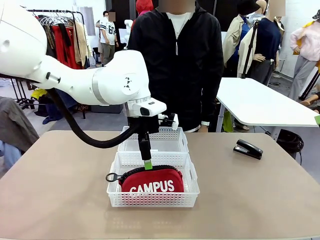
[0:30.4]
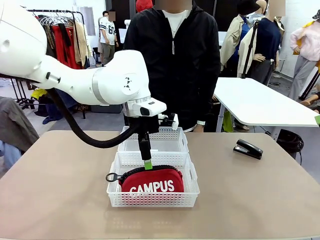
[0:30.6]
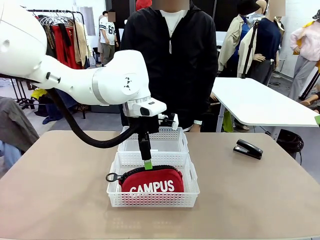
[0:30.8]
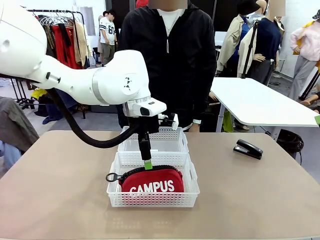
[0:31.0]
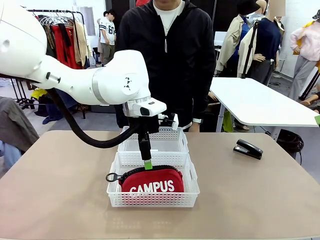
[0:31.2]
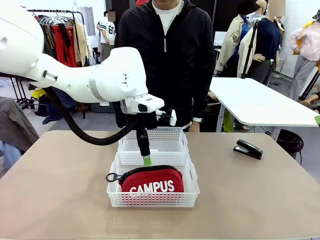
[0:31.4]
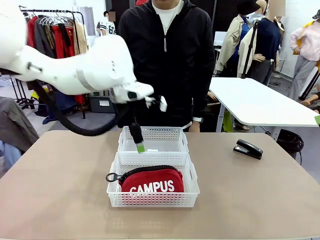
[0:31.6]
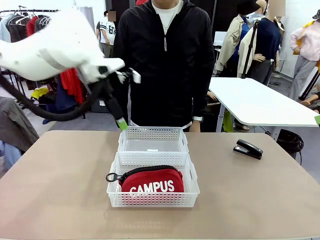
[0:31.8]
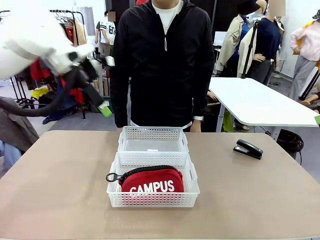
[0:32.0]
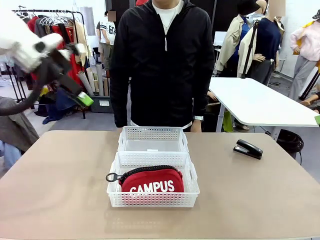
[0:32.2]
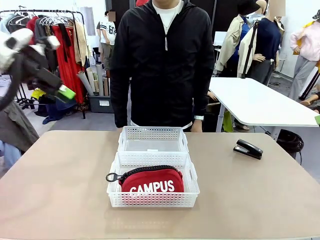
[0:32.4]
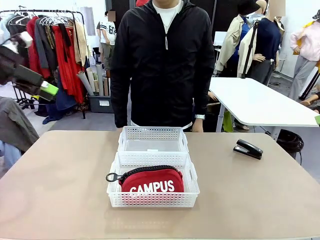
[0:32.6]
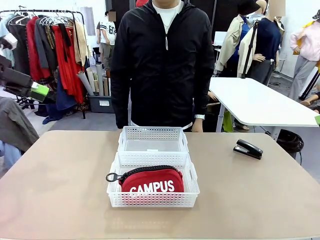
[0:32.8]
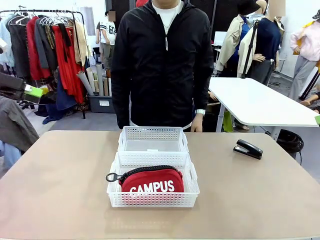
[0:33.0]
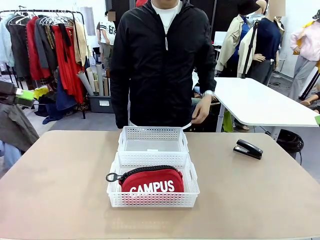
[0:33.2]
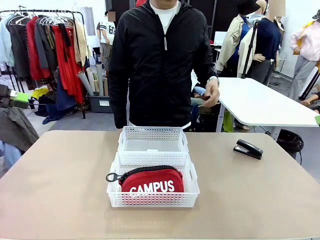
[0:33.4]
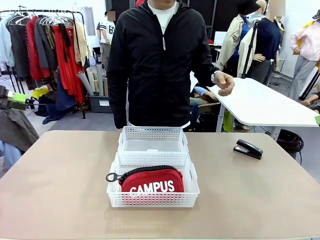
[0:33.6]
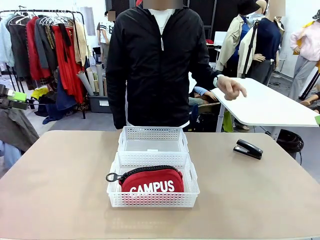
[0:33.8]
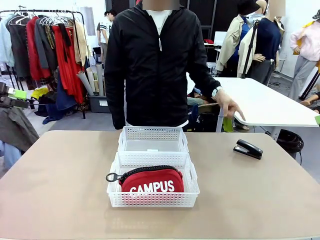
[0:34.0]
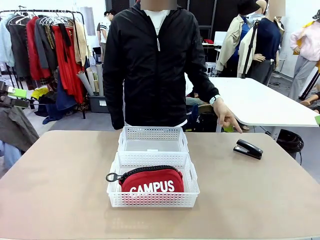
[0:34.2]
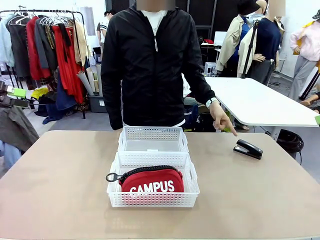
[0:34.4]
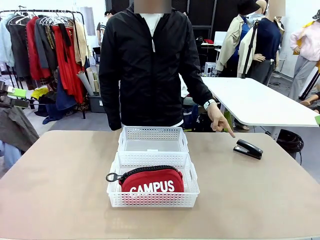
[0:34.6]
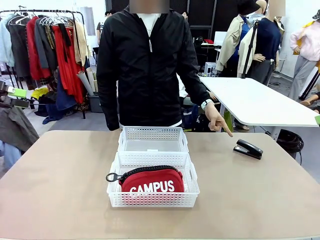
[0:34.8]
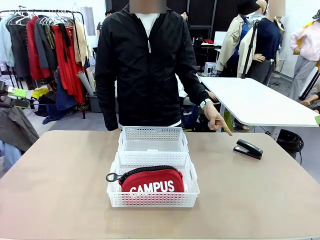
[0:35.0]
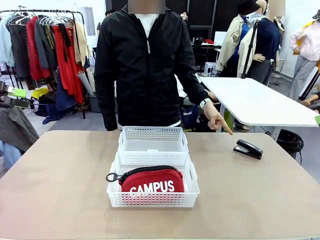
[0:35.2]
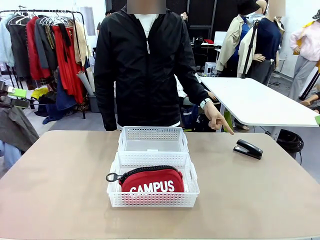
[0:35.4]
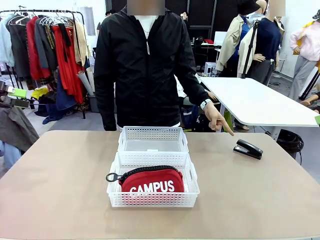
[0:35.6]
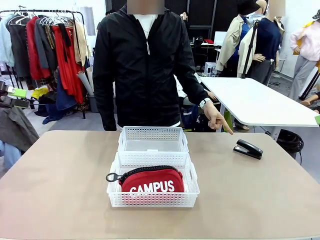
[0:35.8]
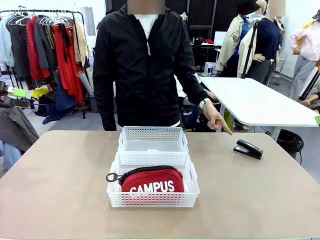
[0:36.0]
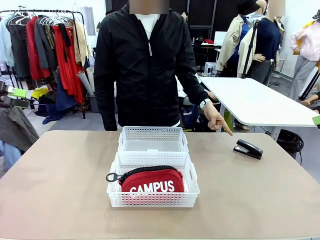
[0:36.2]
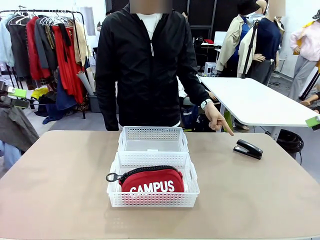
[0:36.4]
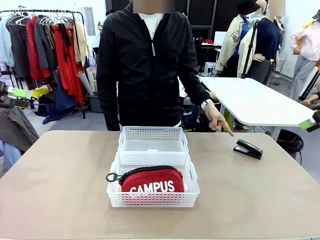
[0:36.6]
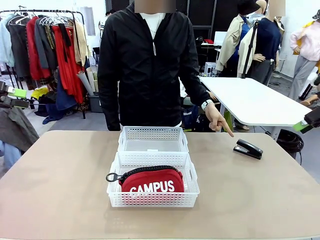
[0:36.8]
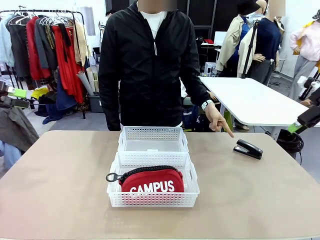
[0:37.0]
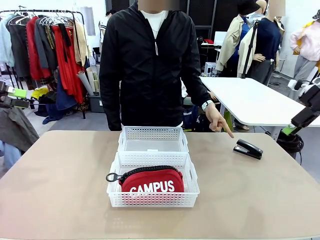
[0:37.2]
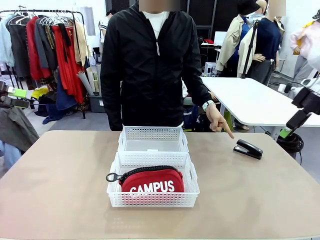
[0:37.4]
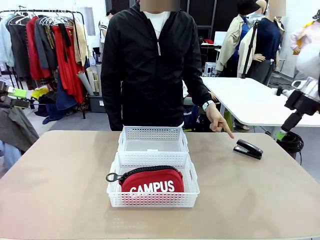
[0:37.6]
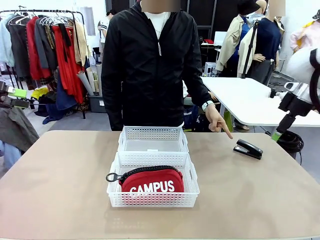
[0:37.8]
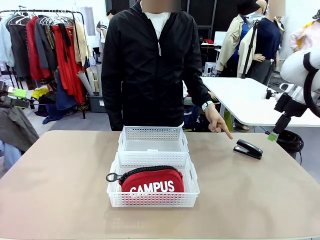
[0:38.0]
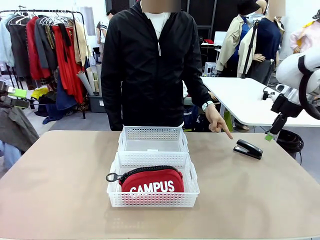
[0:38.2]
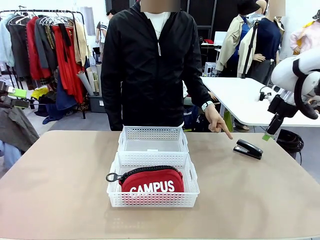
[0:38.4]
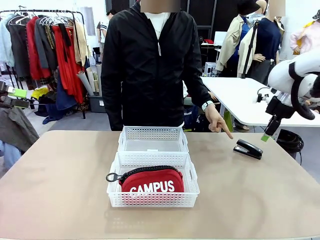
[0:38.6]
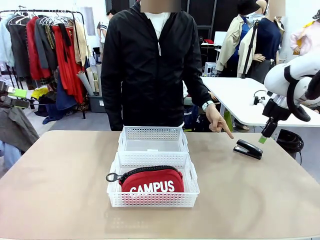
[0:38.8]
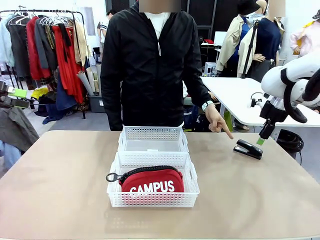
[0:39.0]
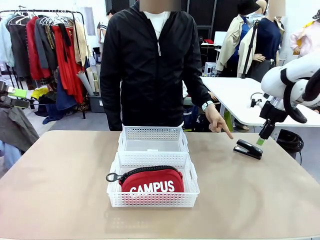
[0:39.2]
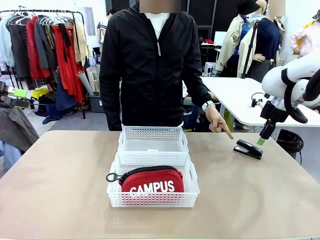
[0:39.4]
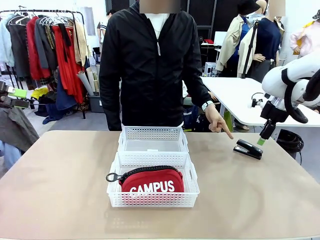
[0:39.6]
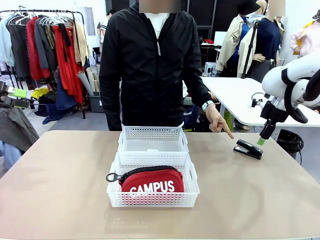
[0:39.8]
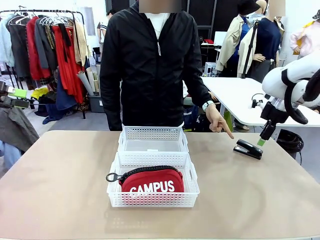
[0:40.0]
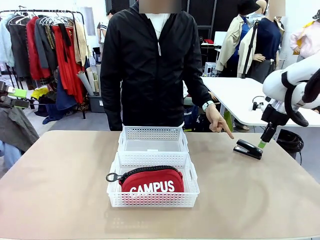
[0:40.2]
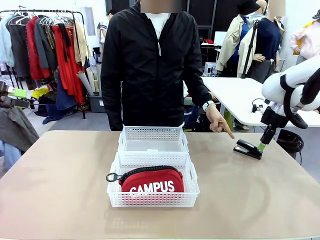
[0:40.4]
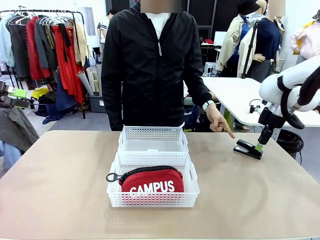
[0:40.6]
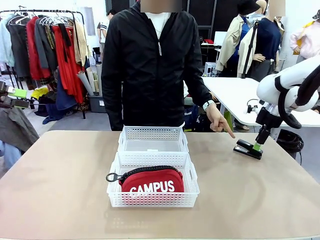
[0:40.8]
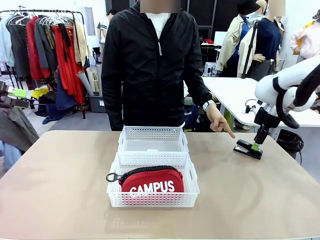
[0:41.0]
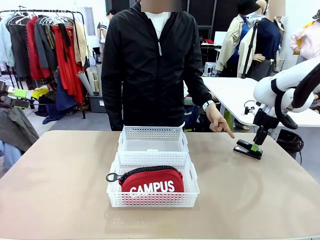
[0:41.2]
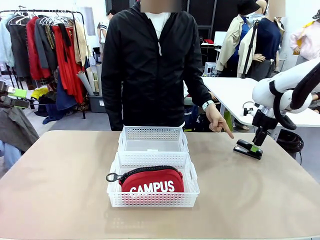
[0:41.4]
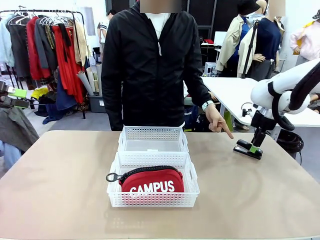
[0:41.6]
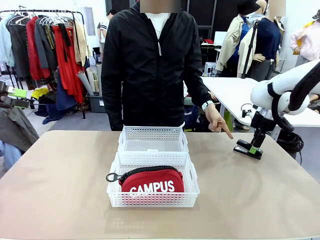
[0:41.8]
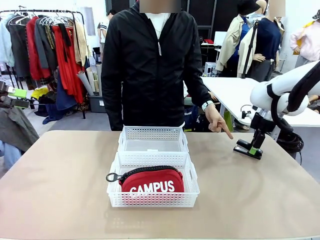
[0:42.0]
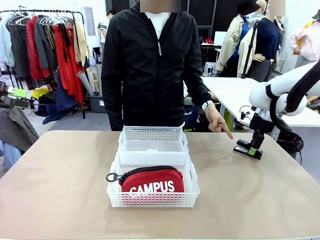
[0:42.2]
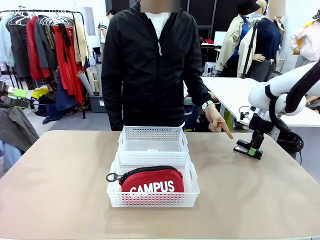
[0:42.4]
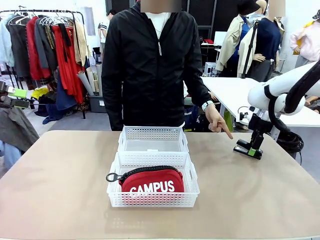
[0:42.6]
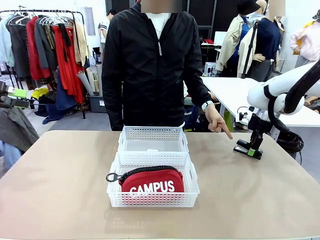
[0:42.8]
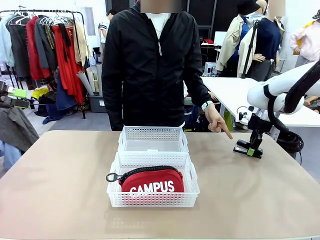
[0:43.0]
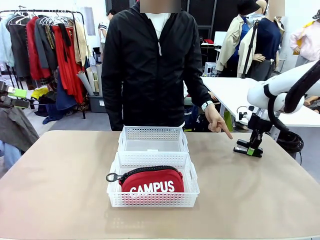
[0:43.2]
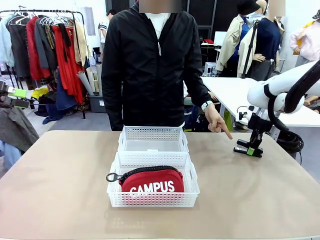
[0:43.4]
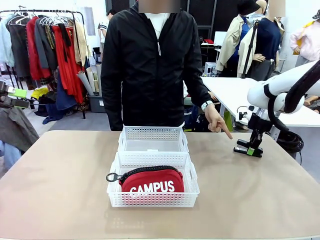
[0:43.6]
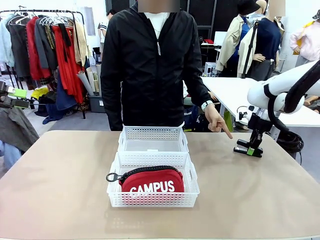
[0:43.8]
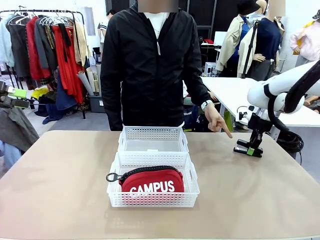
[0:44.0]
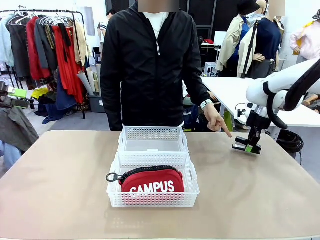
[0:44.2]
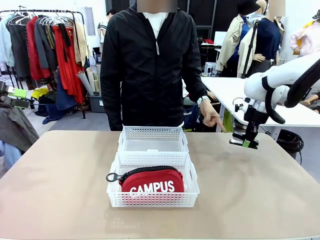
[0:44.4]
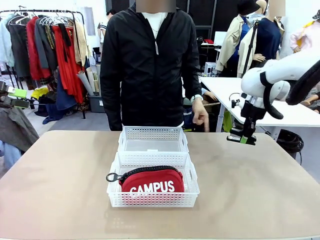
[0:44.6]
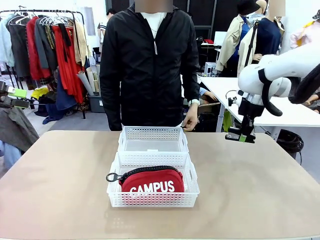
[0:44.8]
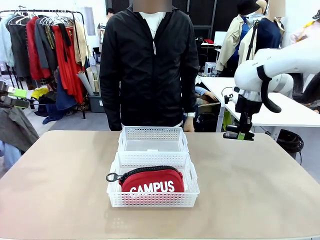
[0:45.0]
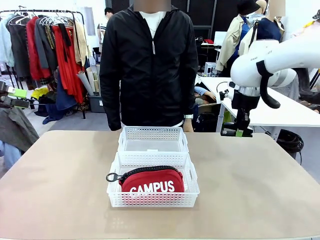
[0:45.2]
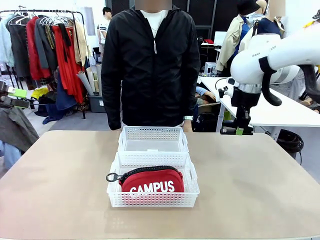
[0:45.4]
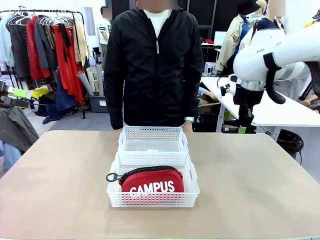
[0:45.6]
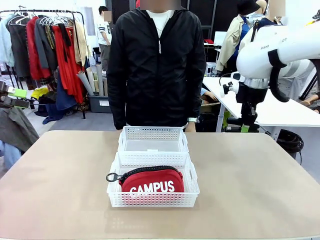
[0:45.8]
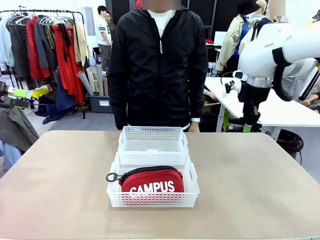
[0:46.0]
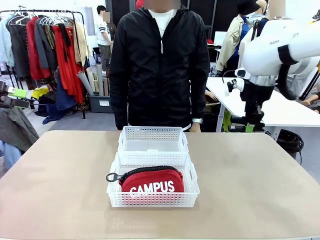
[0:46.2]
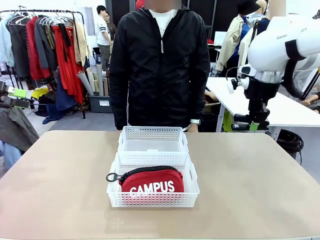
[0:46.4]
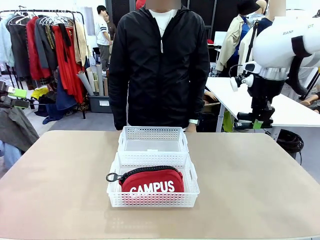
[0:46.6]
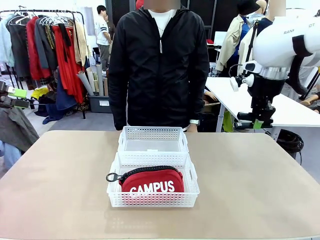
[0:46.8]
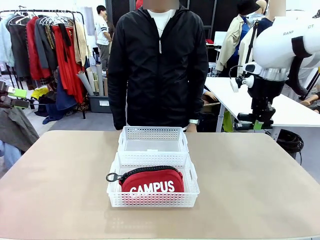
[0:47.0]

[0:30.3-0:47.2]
Task: Distribute items into two baskets.
Robot: Pick up the Stapler that the person points to.

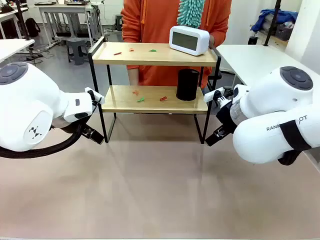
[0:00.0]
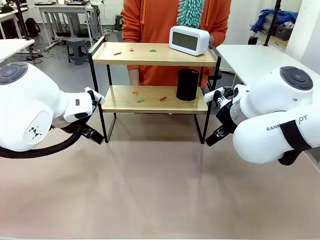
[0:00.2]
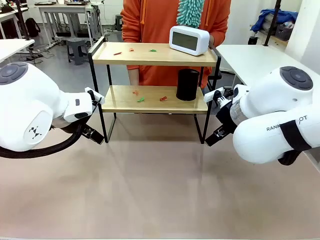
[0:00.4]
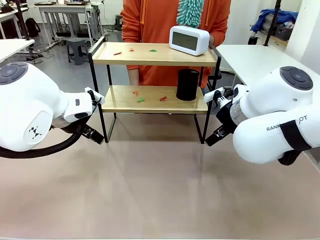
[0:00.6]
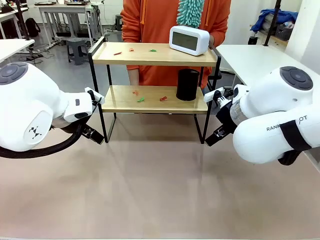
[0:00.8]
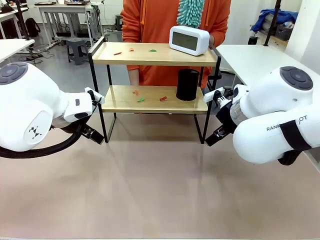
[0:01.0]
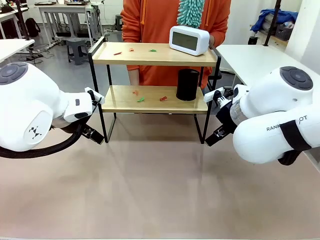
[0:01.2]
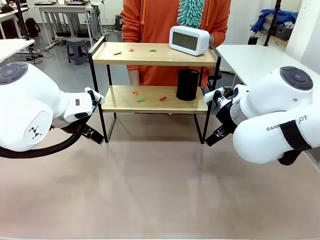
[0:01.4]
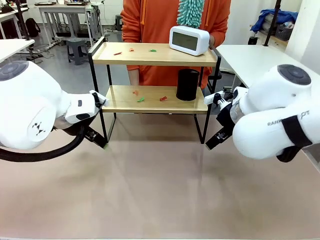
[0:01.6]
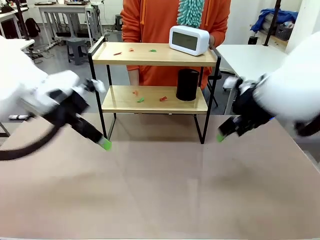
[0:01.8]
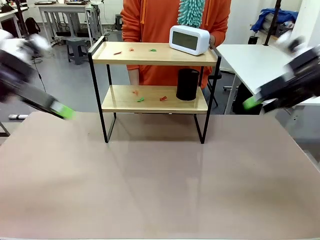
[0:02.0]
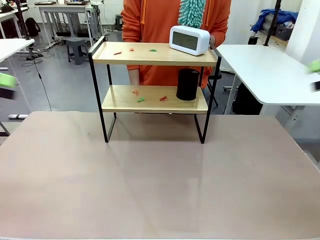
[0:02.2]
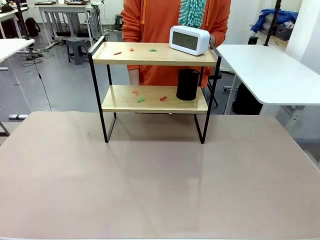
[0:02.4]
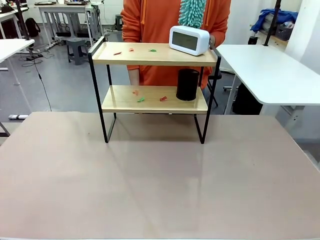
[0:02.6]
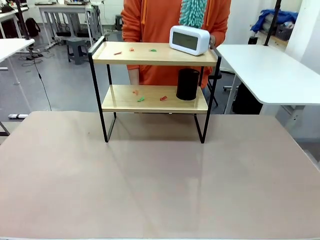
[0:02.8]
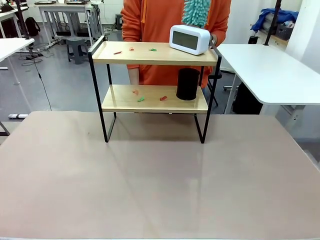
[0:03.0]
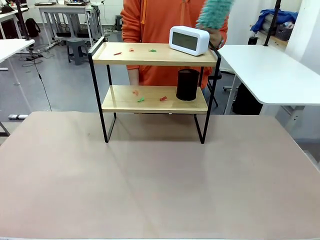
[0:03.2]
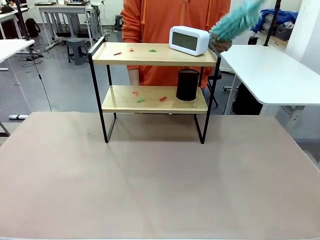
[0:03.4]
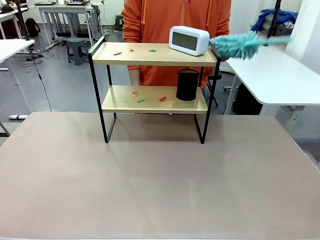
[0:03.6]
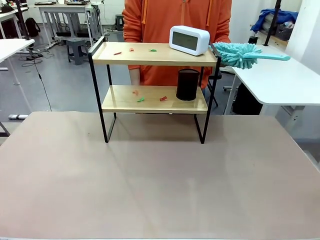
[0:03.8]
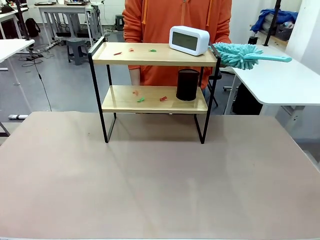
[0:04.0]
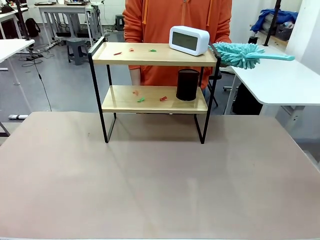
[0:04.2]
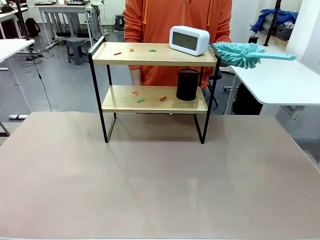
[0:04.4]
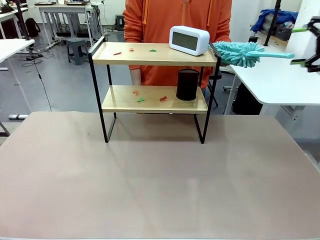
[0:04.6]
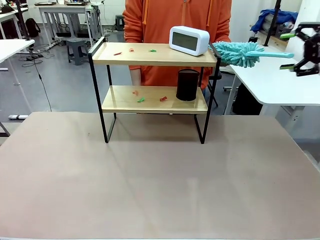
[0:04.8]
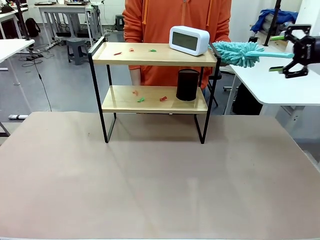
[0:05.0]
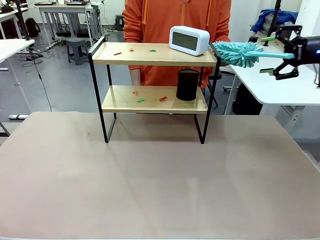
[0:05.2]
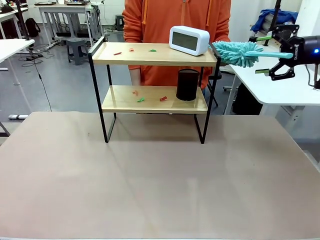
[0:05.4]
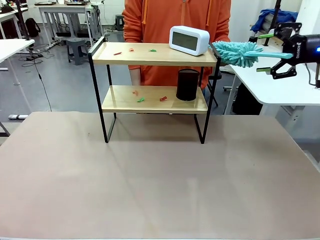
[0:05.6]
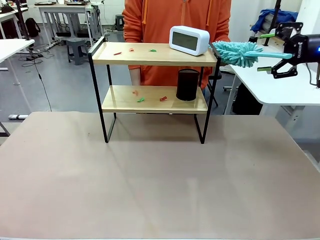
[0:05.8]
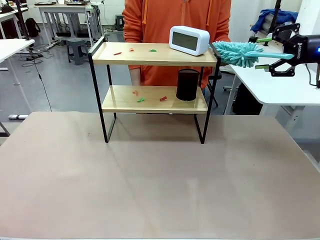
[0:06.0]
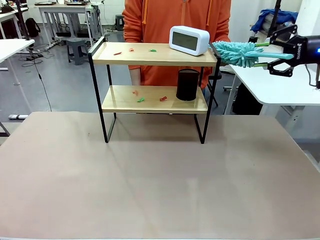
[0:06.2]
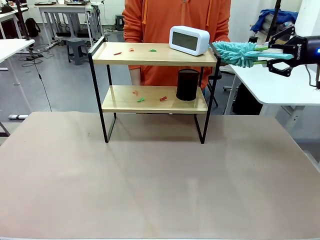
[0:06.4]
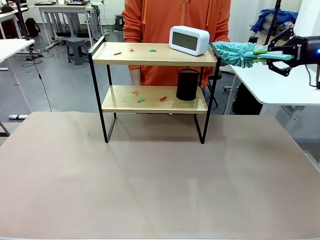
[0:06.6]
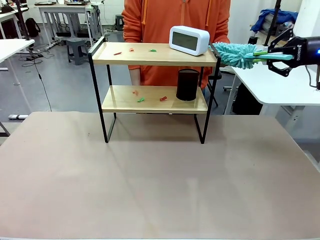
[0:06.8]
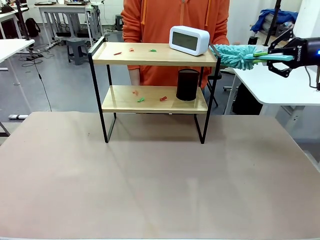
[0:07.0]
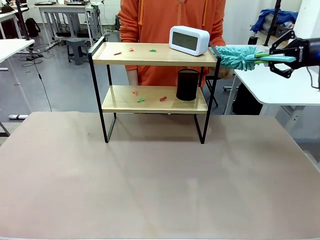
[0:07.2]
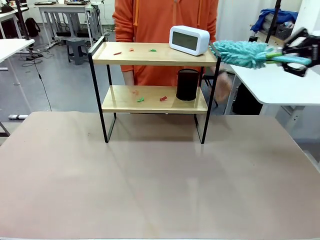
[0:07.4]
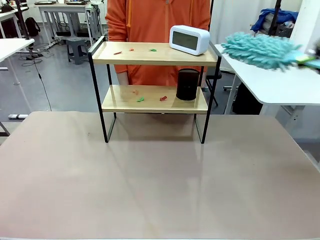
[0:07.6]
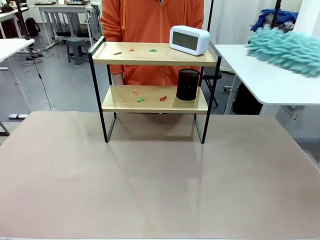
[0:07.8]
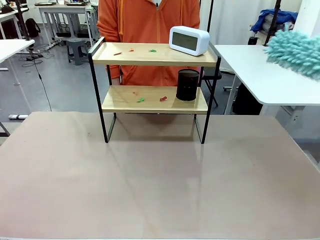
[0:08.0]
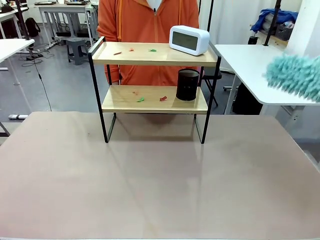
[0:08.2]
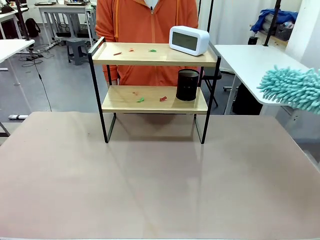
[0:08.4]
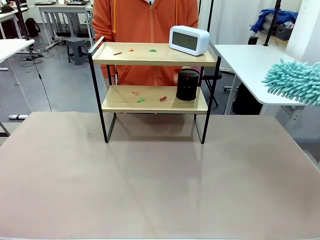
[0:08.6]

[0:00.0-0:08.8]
Task: Clean the shelf.
Robot: Pick up the Duster from the human.
Person: Hand the Duster to the robot.
